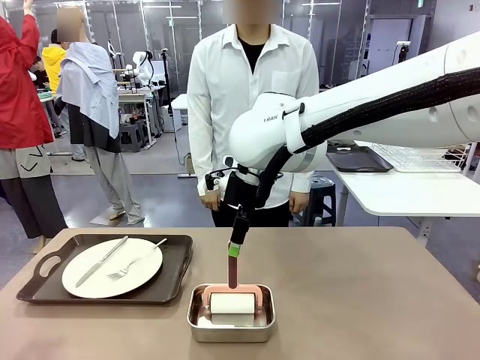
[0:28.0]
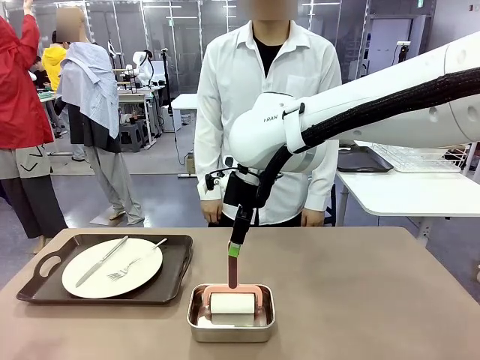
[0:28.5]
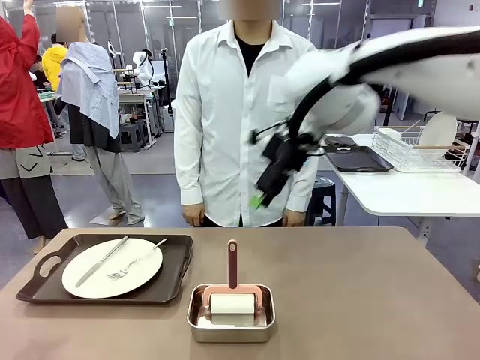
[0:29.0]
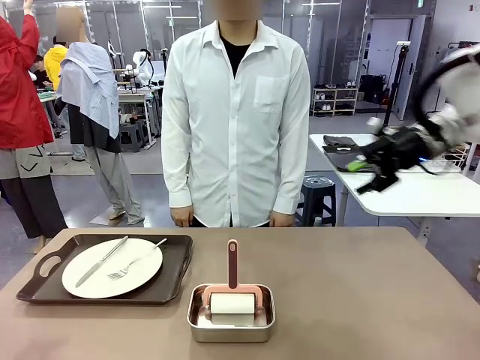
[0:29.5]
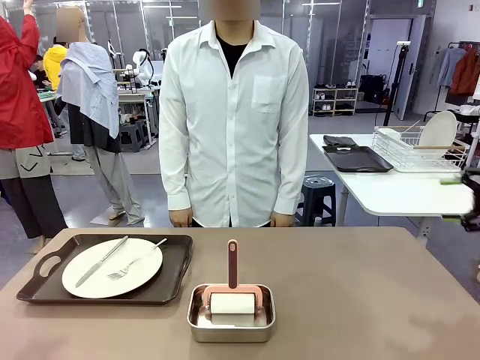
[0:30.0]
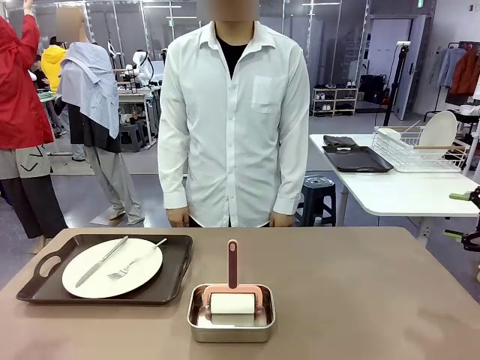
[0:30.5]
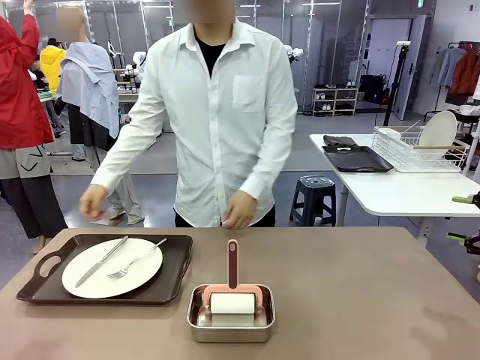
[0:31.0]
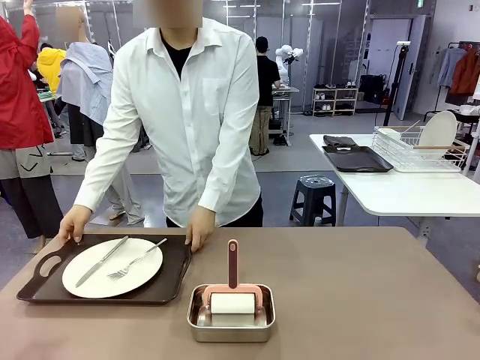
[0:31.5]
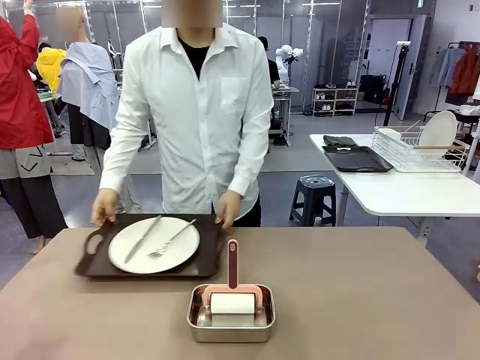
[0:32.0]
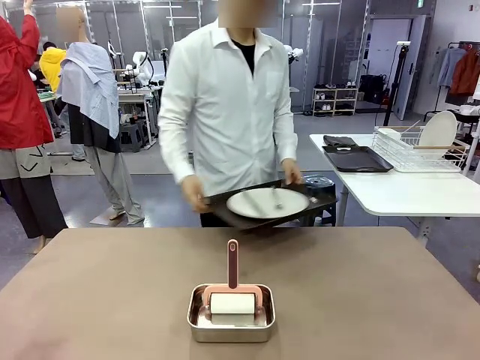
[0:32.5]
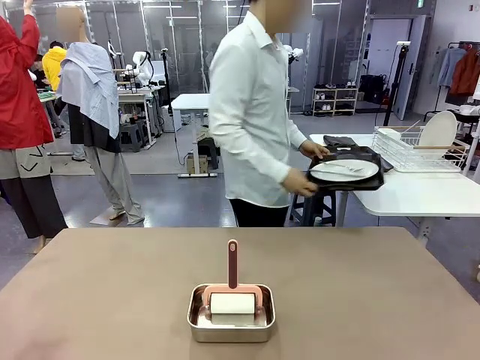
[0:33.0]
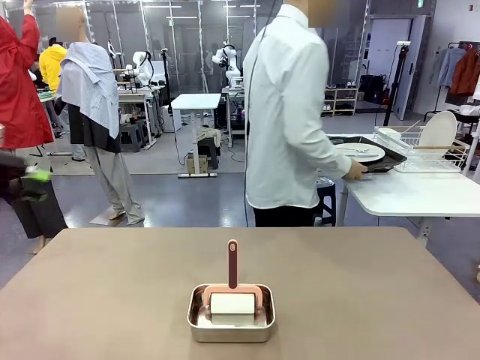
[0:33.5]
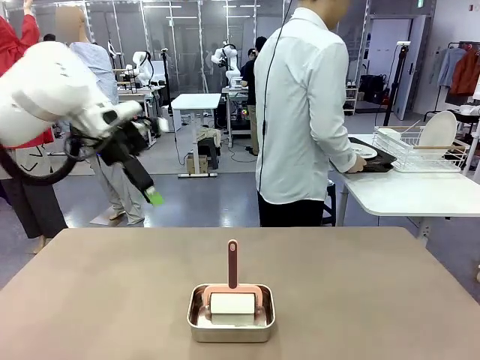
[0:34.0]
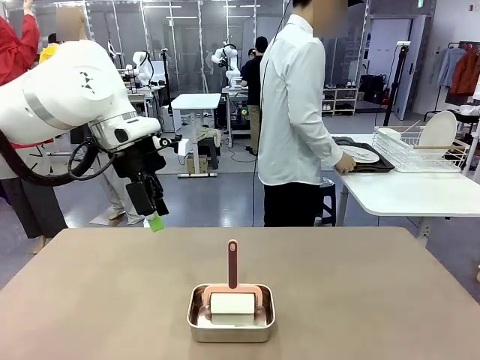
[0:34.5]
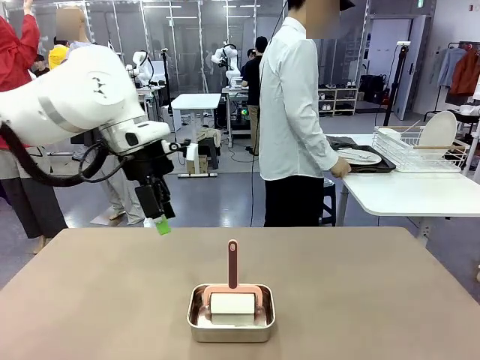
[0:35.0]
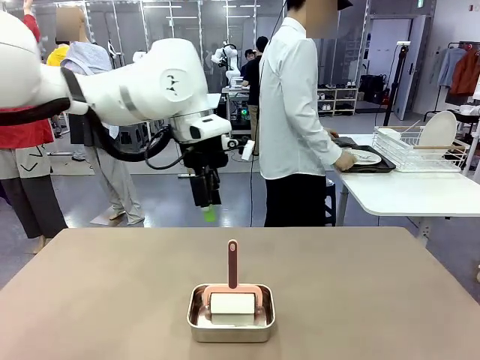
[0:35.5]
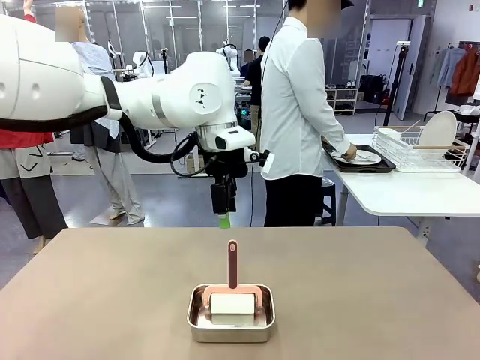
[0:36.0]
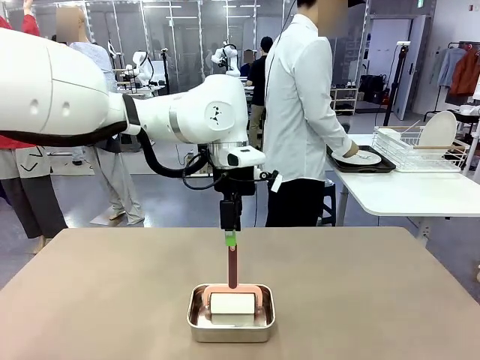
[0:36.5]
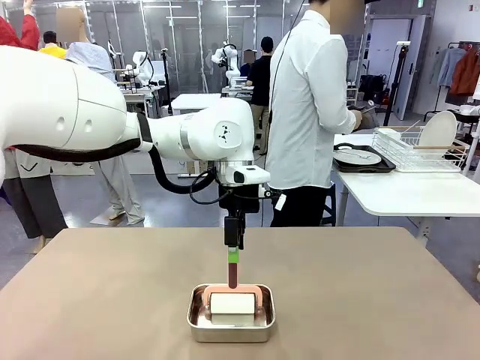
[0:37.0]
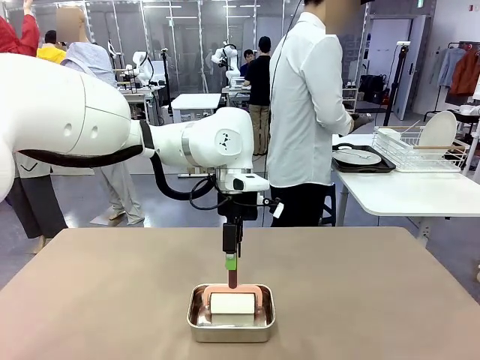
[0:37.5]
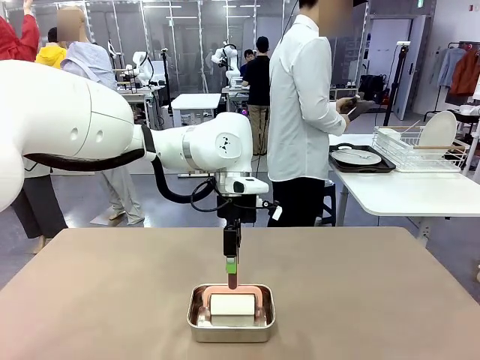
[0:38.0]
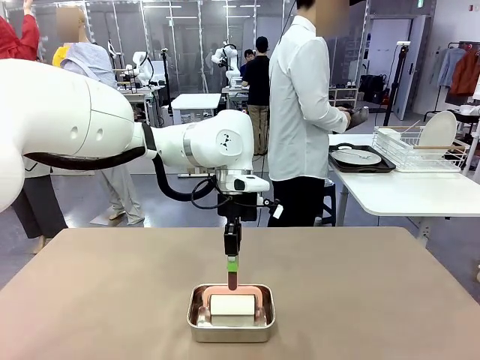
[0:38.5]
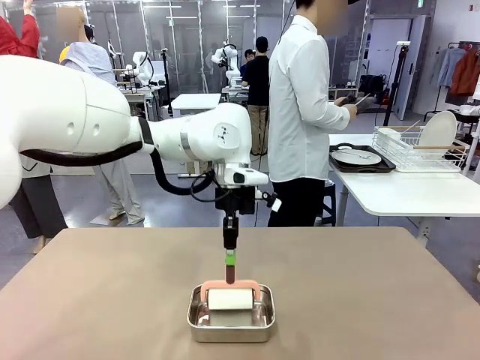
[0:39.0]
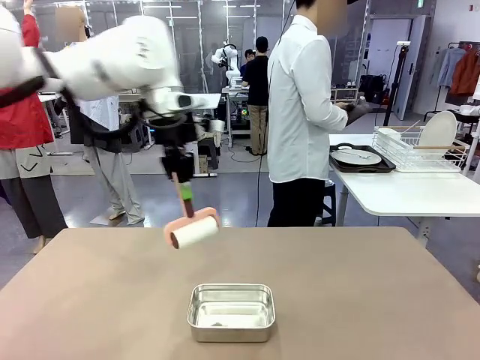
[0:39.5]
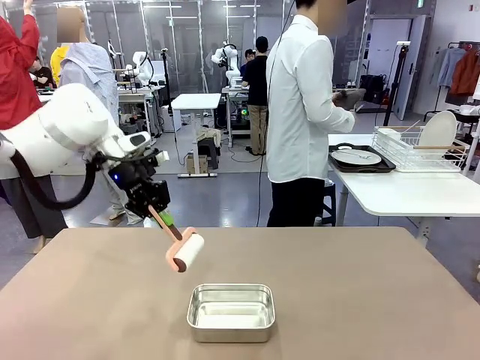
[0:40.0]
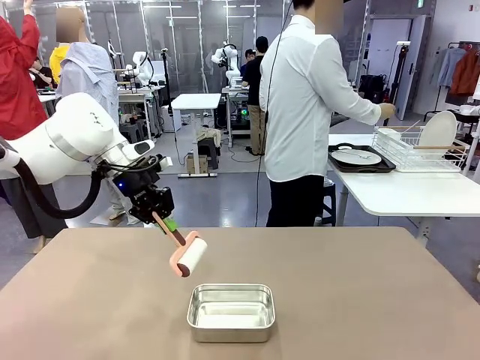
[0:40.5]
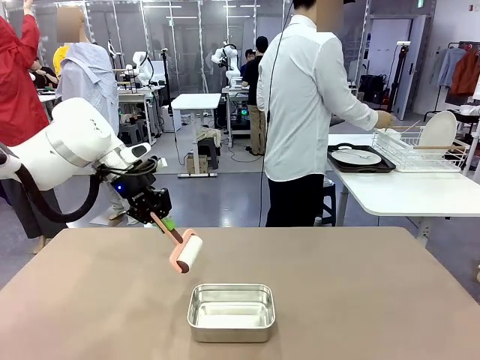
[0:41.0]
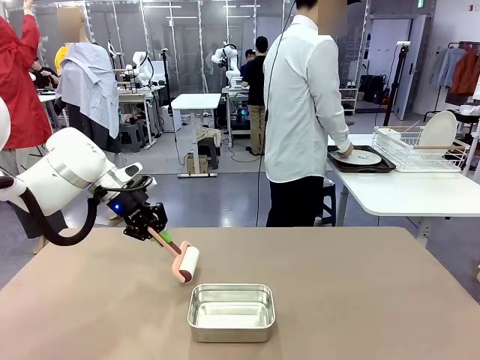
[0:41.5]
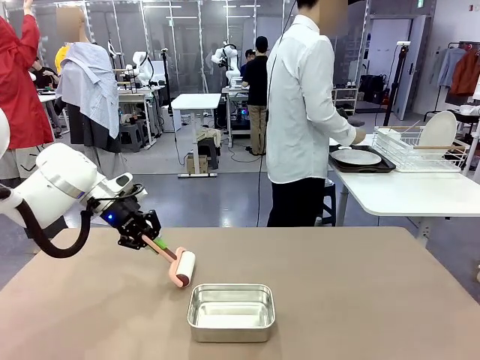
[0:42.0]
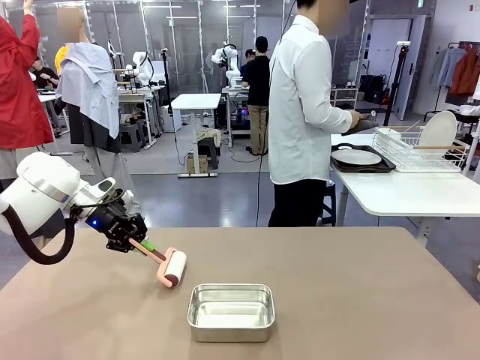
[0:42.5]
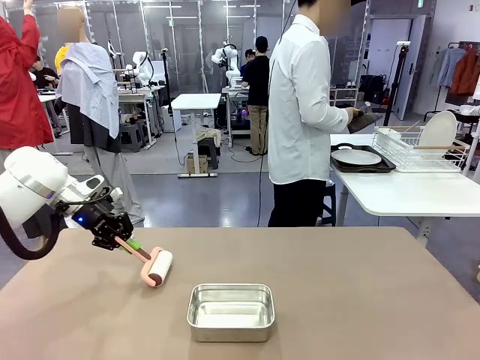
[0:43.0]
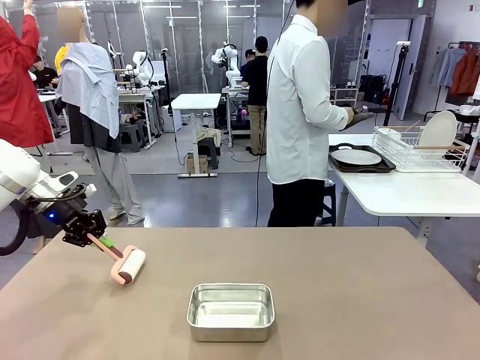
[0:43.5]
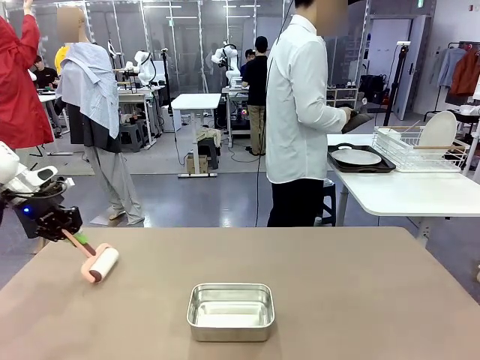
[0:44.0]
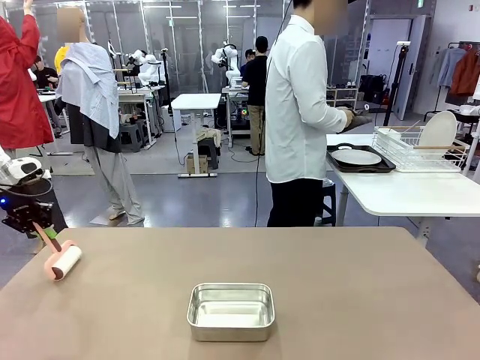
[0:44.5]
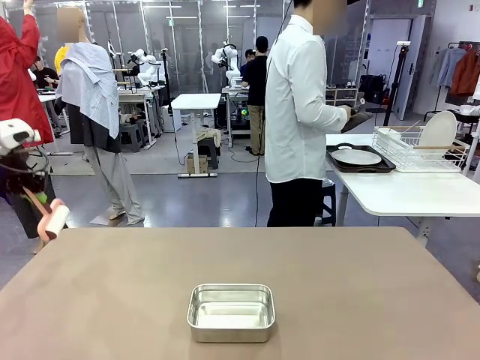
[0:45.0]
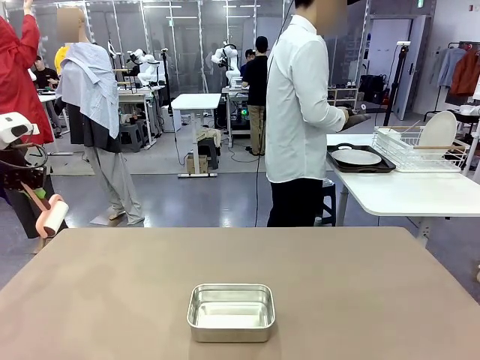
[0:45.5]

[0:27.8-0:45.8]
Robot: When the right (or left) Handle tray is removed, use the right hand (or left hand) to clean the right (or left) side of the table with the Lint Roller.
Person: Pick up the left (or right) Handle tray and place it on the Handle tray. Use the Towel with hook to wipe the Plastic Matte Plate , Fork , and Knife and place into the Dish drying rack.

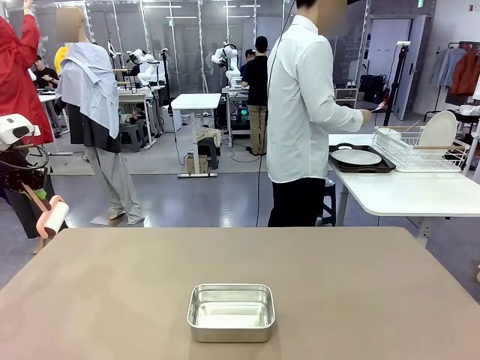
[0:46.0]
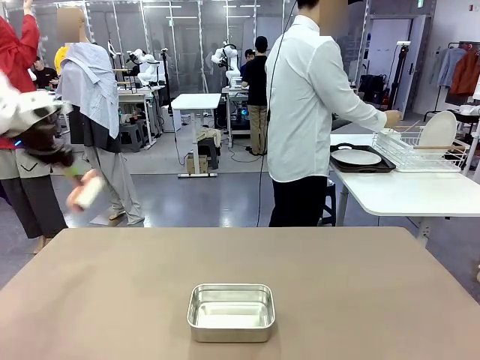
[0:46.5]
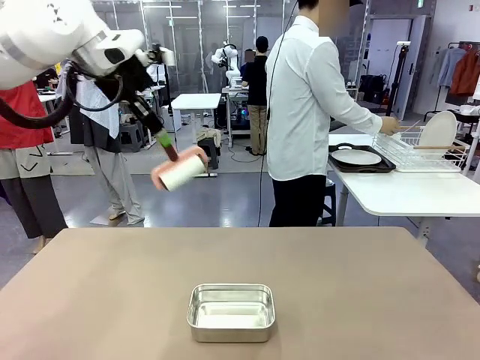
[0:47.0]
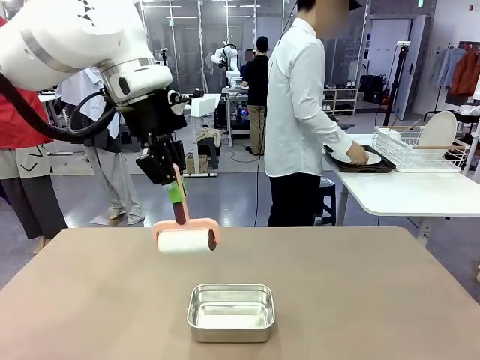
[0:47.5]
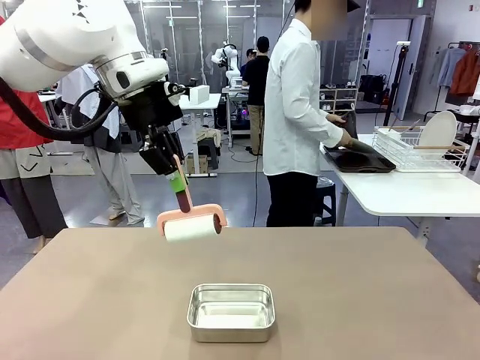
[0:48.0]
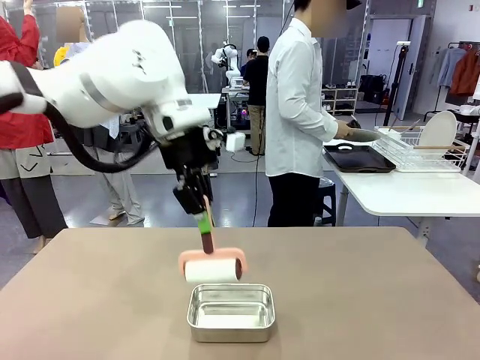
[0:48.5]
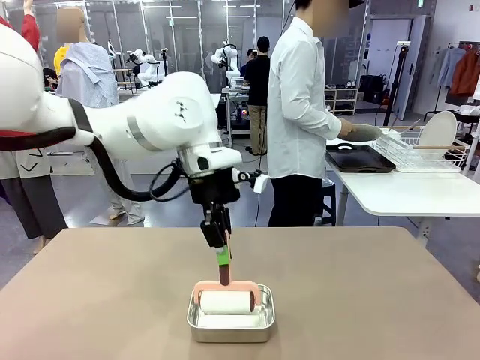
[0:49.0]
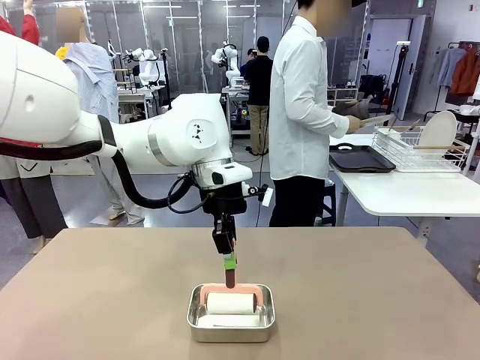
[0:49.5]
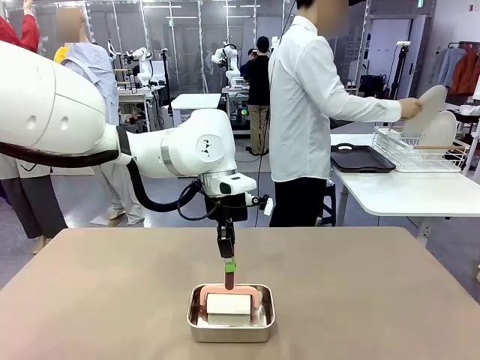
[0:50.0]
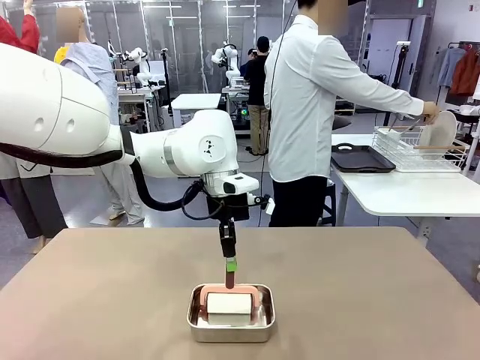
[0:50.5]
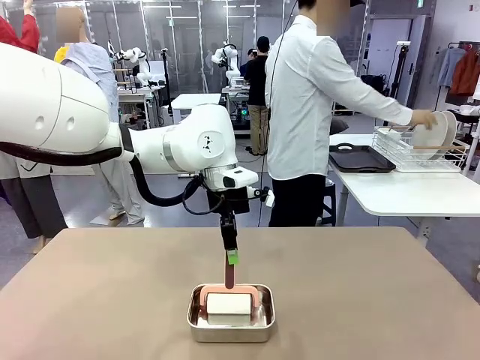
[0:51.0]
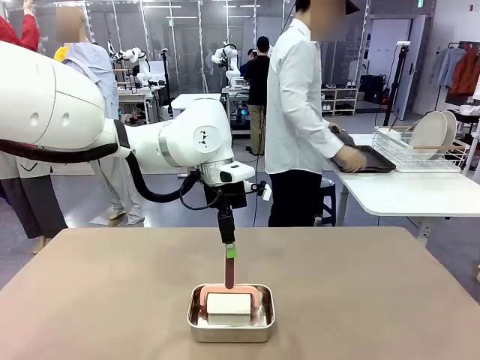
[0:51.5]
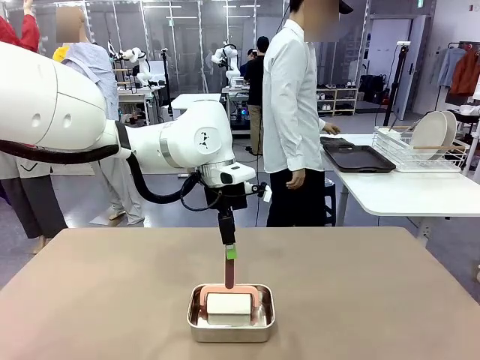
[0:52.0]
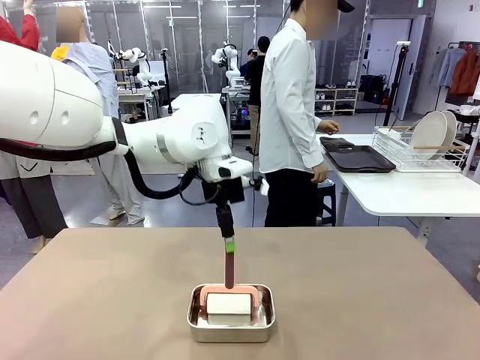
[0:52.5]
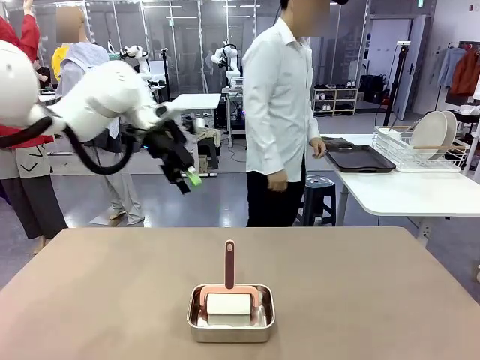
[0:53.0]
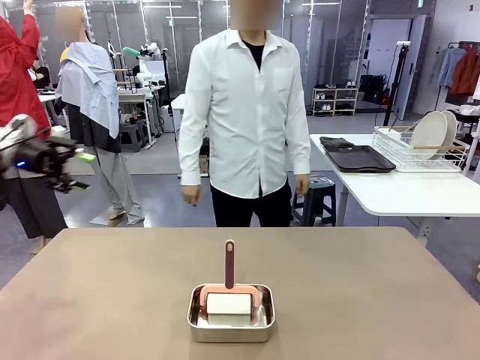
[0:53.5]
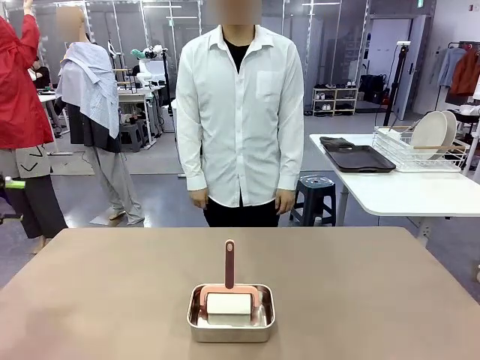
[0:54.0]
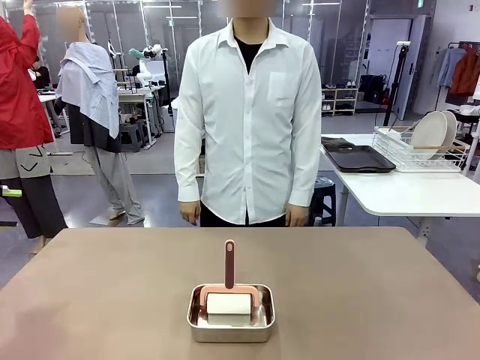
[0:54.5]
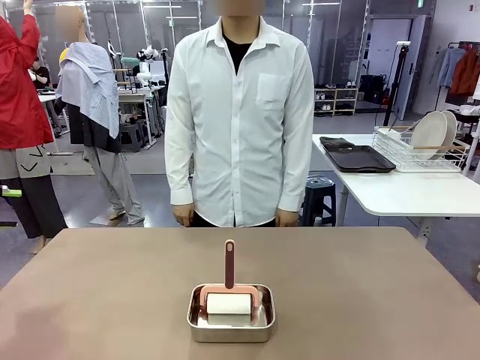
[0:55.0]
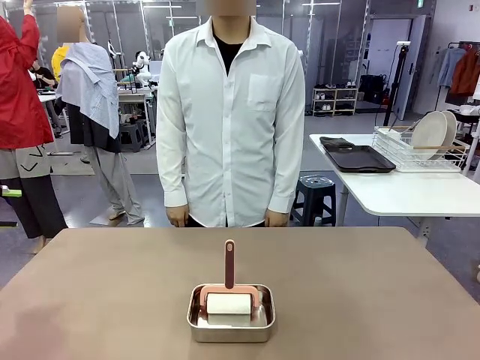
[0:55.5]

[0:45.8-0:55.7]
Robot: Place the Lint Roller back on top of the Airtight Container.
